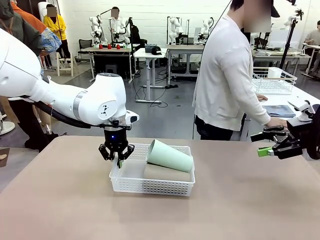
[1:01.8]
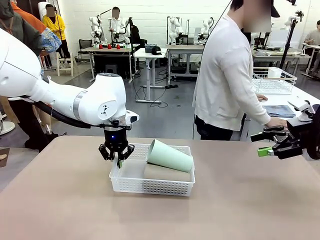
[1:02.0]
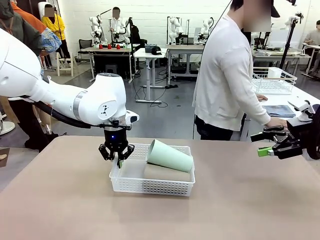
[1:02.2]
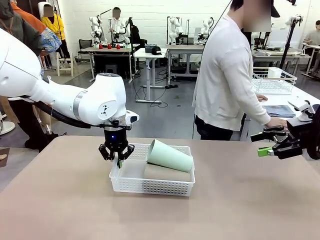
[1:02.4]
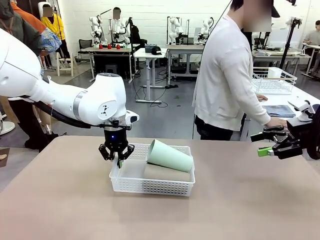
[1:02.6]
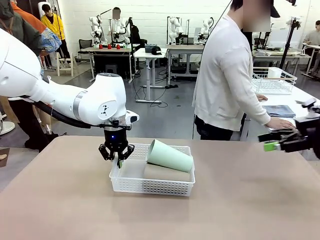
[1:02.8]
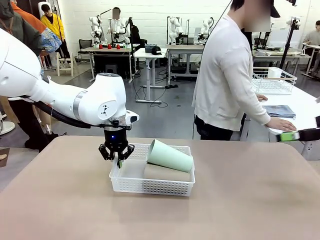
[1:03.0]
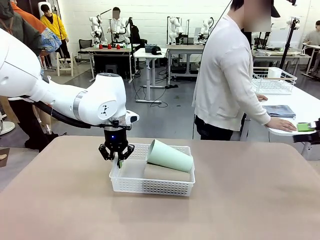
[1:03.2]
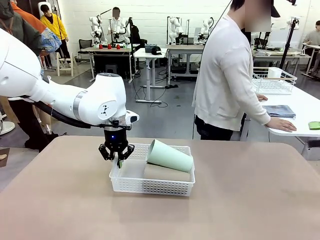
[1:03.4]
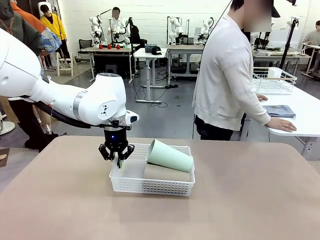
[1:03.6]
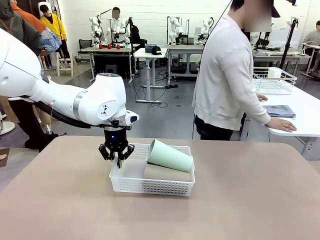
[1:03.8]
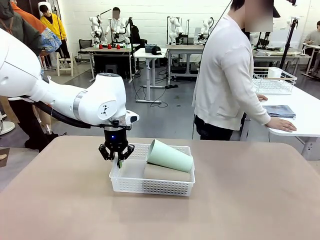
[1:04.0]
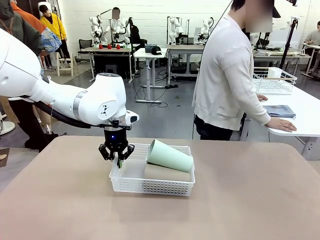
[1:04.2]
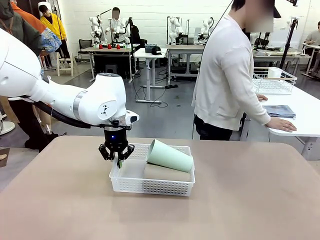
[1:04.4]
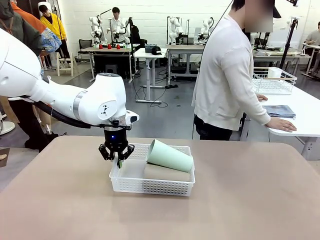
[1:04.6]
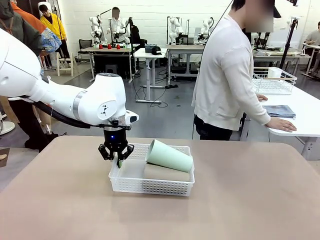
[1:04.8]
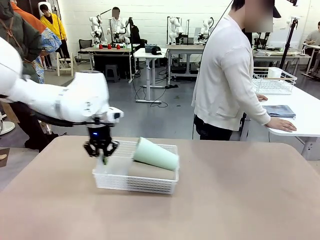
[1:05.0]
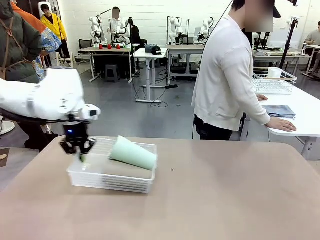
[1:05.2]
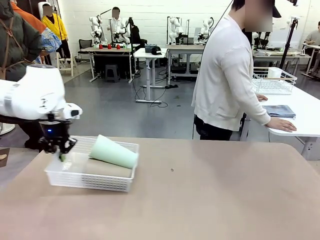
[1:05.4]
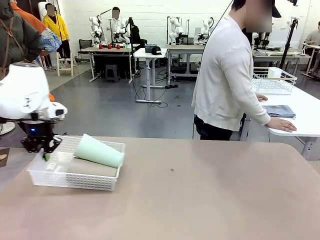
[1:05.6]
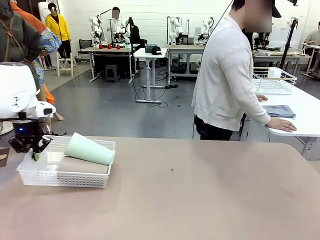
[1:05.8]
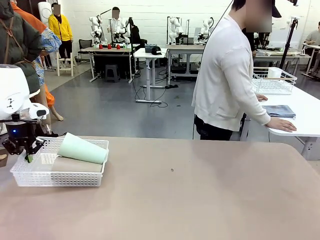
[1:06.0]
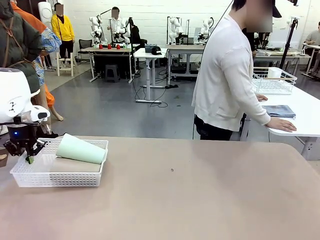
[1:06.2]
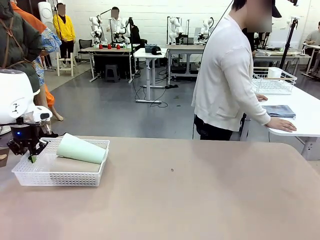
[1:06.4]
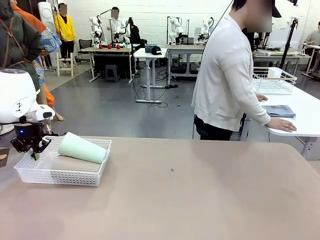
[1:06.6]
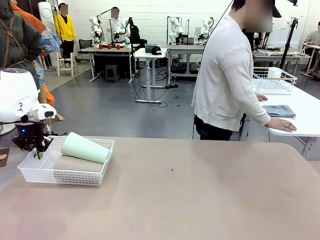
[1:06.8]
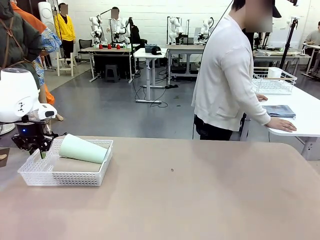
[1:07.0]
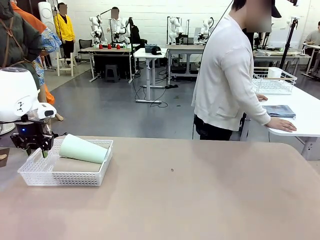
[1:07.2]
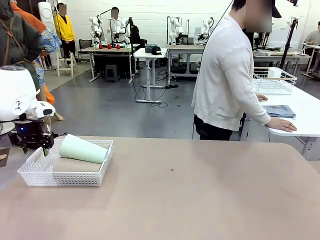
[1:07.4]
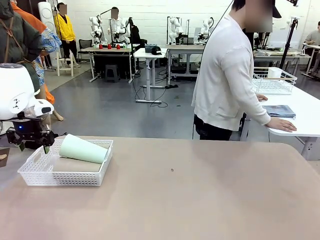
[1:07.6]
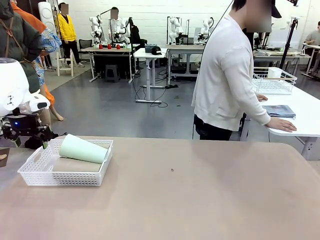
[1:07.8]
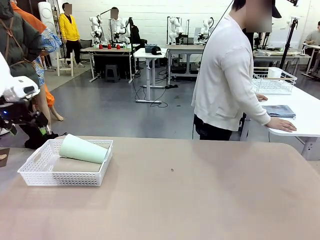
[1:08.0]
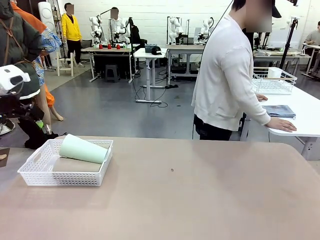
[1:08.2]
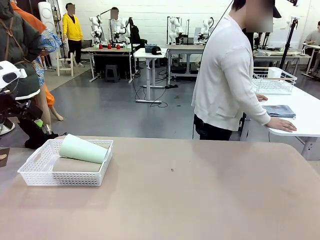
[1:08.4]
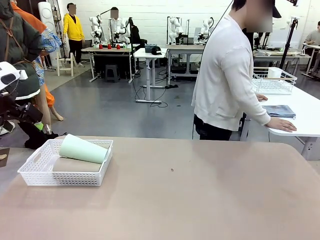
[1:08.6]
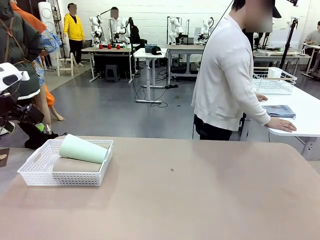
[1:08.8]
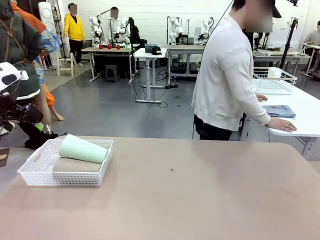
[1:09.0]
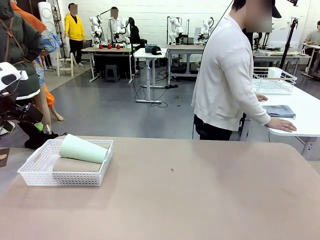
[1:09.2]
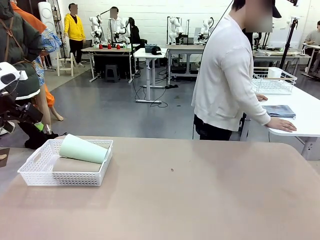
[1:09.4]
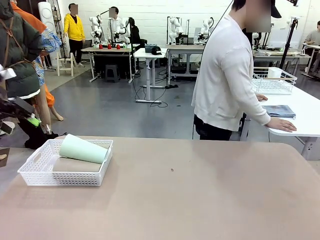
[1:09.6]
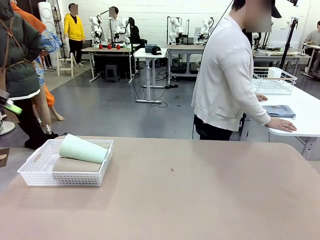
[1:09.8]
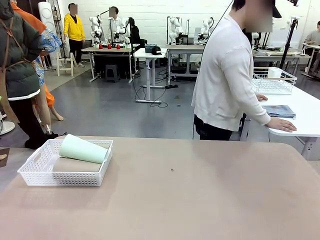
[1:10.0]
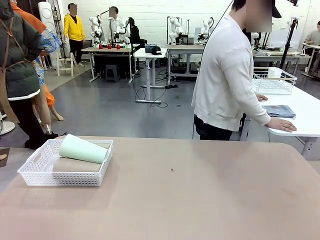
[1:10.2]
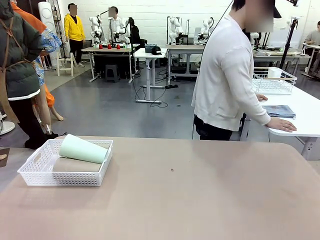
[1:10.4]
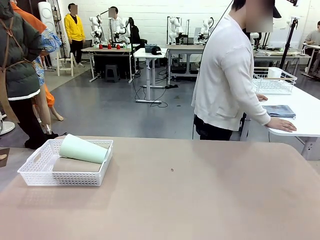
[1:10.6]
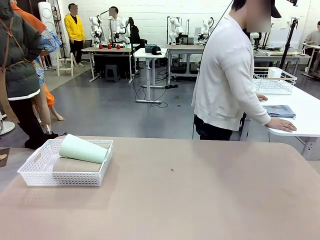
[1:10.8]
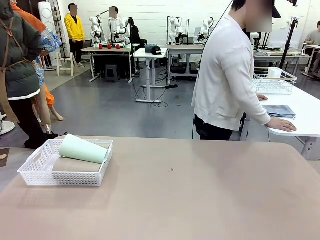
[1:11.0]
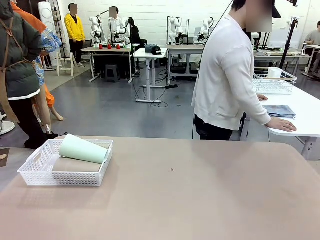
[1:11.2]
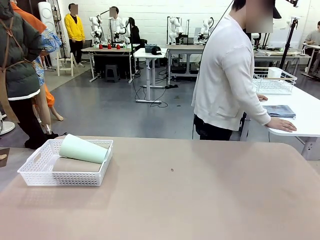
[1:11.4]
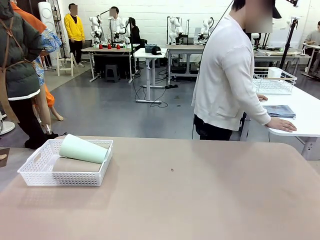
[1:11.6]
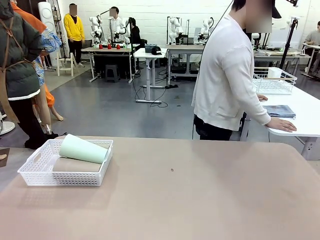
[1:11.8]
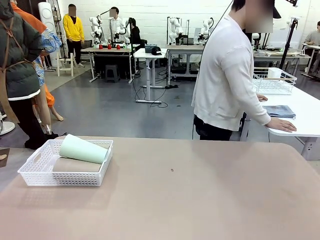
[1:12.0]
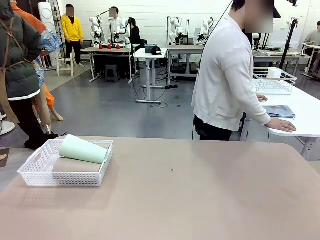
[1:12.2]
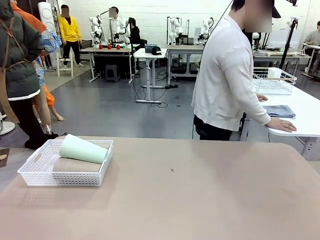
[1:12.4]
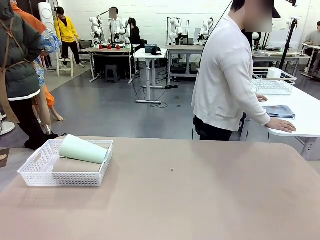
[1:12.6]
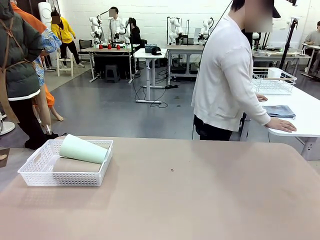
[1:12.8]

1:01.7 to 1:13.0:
Task: Clean and organize the cups into the basket.
Robot: Move the Organizing basket back to the left side of the table.
Person: Folds the towel in half twice and places it in the right of the table.

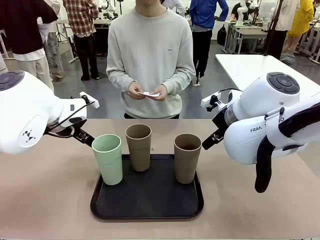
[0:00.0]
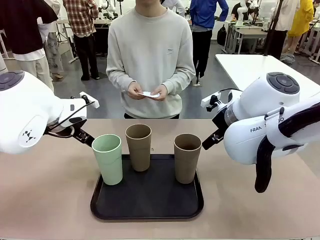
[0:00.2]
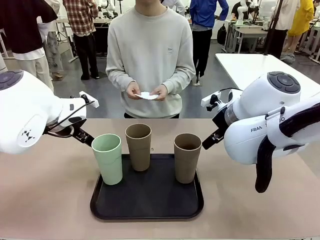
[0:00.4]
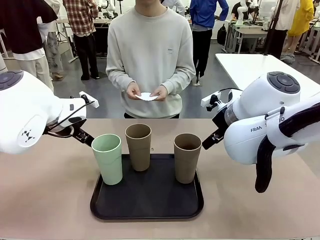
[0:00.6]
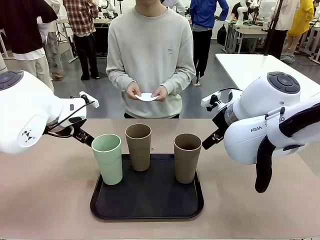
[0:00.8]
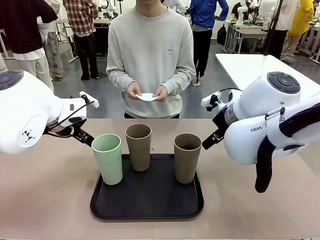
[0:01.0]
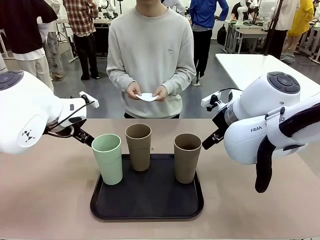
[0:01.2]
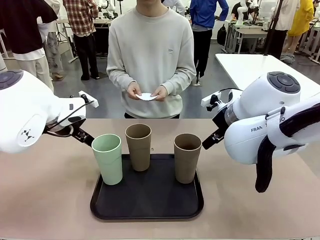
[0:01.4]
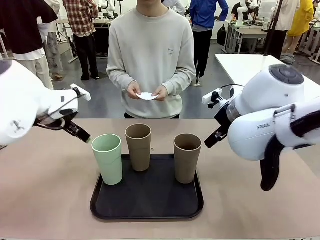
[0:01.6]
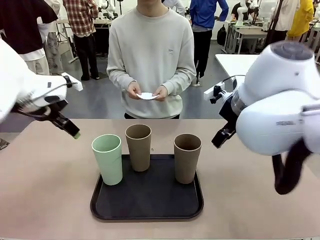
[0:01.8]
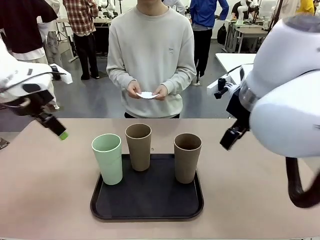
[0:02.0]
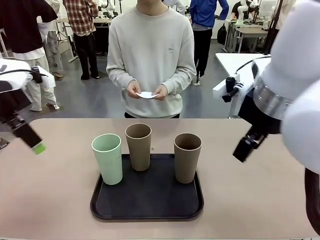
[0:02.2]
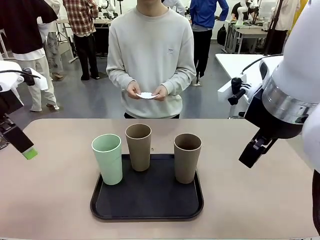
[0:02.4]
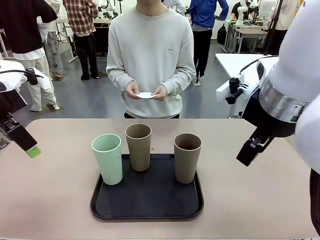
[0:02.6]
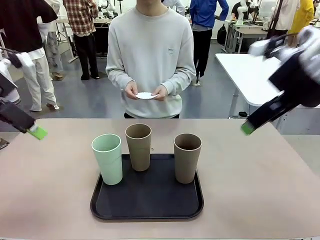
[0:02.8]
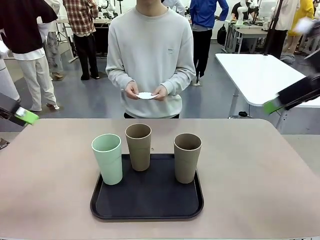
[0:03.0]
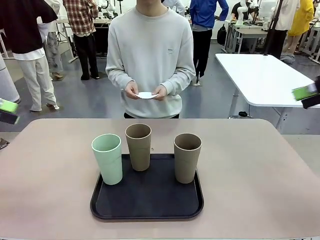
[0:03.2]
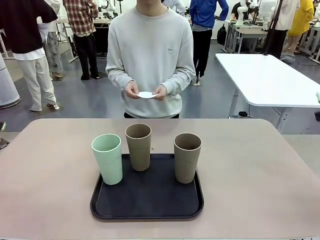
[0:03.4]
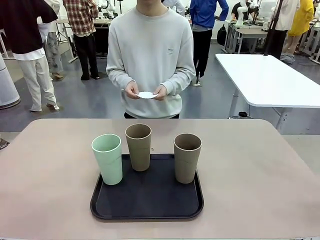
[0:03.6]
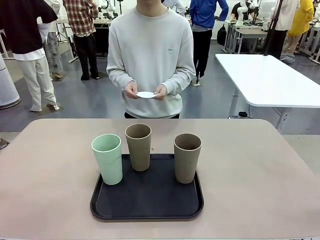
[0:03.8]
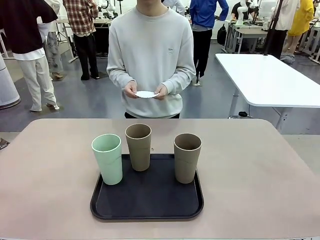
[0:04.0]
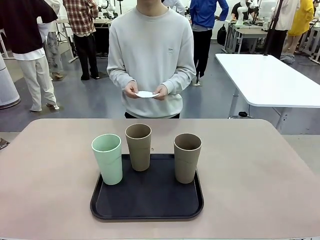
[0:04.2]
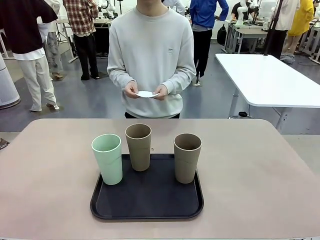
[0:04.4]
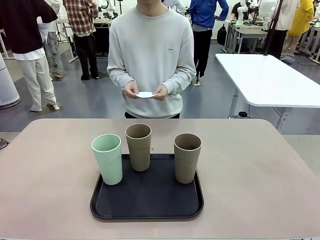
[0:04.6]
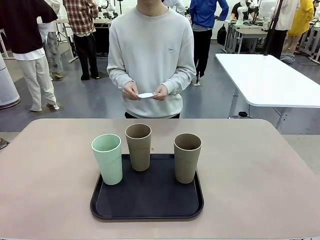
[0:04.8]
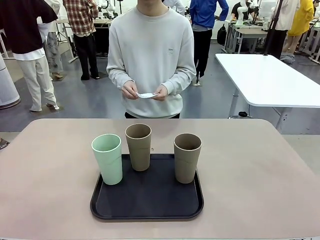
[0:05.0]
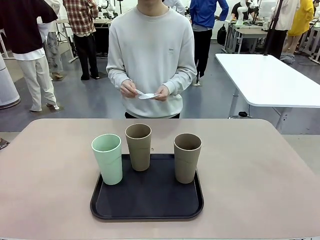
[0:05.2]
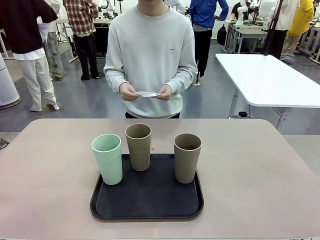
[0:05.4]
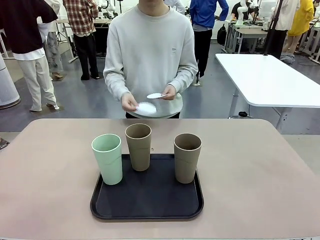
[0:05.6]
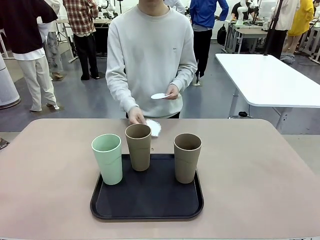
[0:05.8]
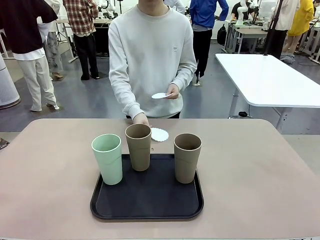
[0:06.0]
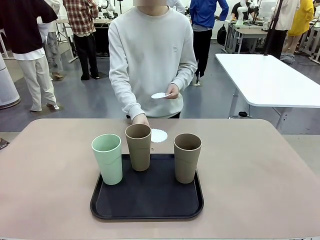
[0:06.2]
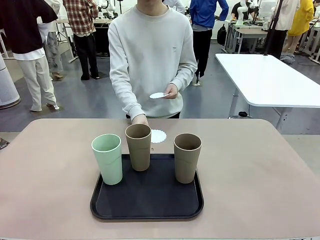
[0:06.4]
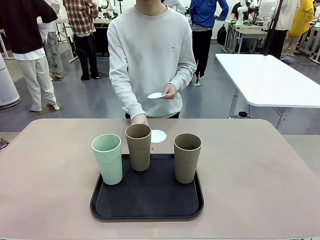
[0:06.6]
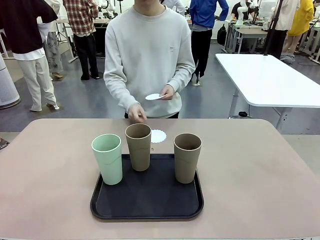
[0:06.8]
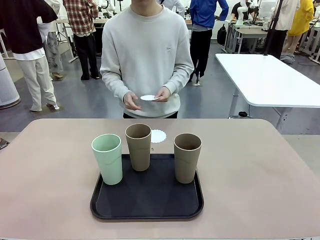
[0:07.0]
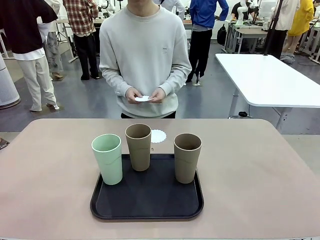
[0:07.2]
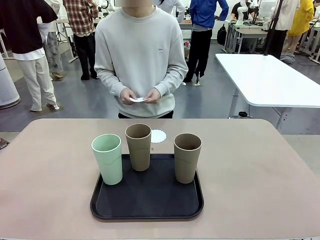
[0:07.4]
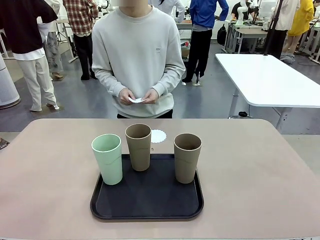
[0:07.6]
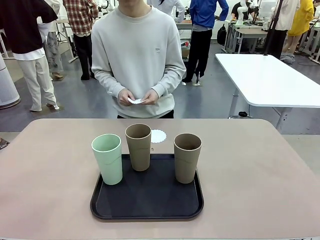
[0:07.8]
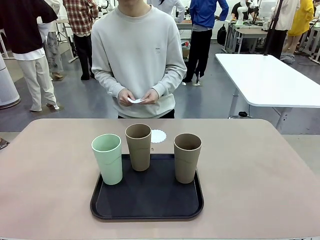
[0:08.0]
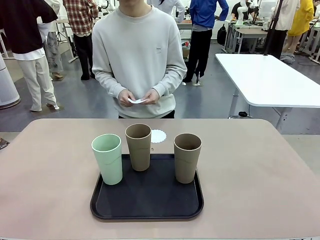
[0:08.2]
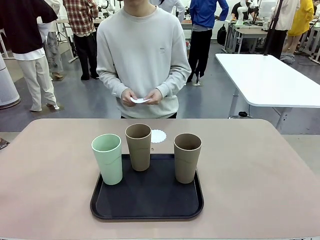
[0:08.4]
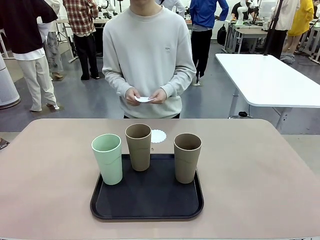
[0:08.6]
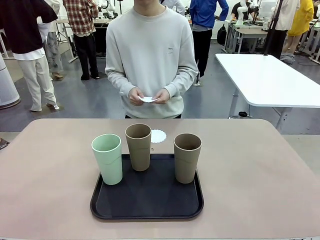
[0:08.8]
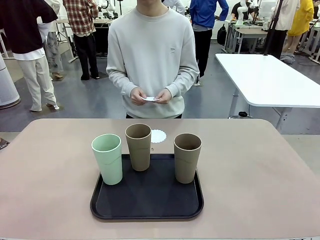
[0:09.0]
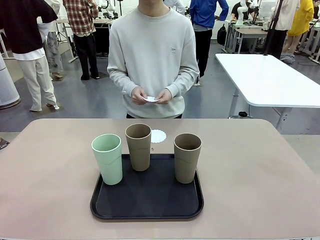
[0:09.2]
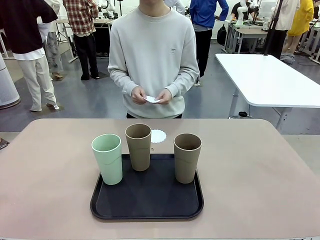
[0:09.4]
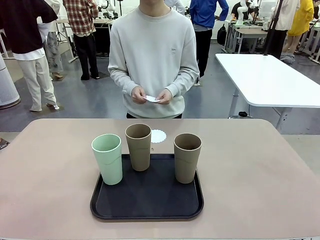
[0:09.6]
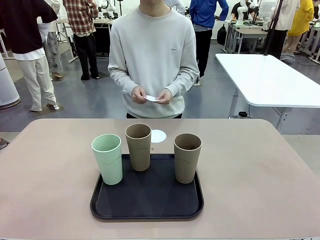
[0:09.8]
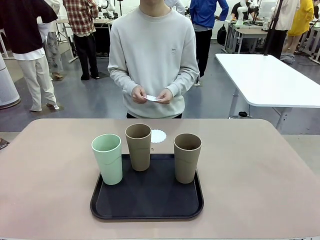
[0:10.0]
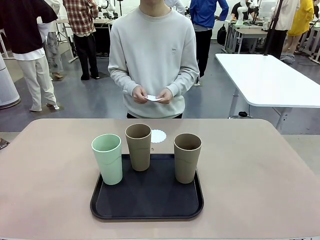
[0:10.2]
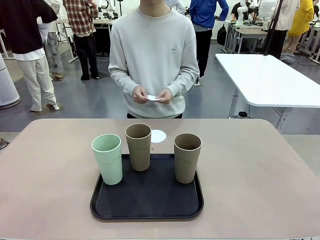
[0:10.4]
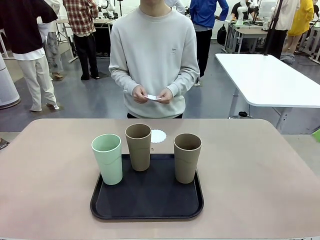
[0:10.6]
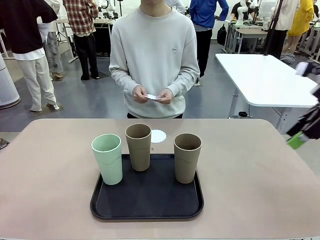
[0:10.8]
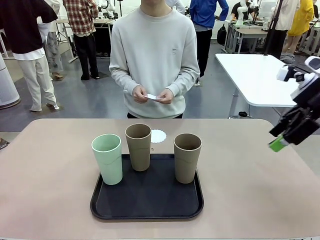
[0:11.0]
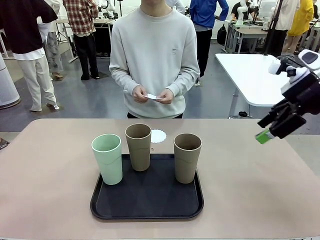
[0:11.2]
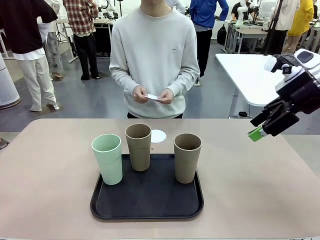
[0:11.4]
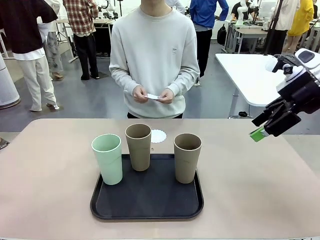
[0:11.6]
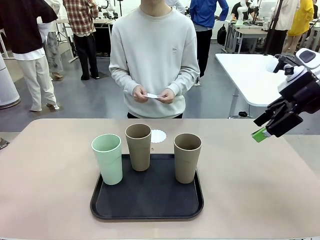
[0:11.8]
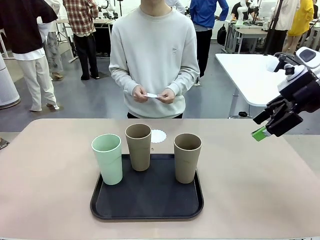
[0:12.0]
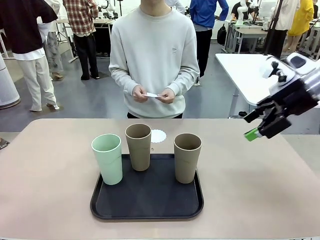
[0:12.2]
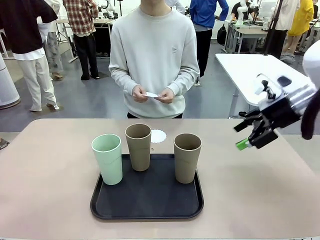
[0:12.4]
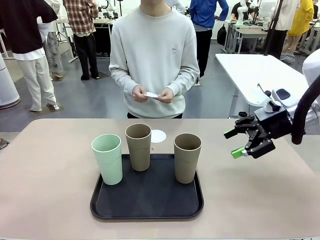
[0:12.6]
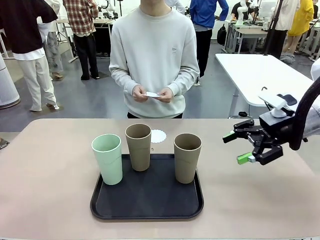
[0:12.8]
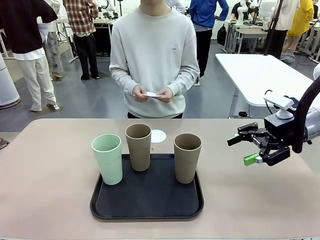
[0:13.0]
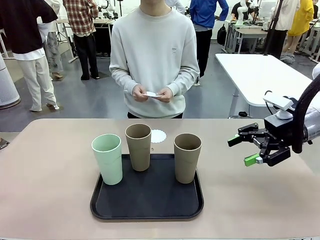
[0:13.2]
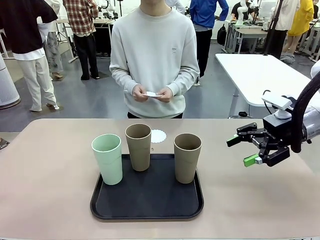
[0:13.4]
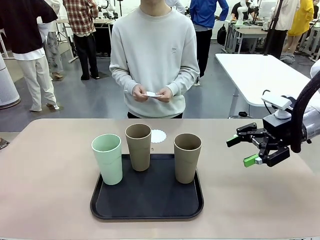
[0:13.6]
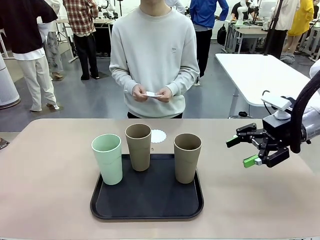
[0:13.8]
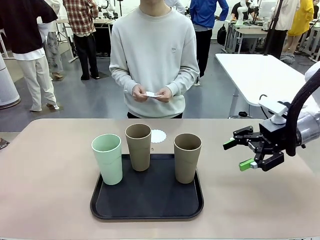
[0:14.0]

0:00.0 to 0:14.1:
Task: Place coasters on the table and set cups on them.
Robot: Pick up one Reusable plastic cup and place it on a coaster set by the human.
Person: Place one coaster in any one of the three lower areas of the robot table (left, center, or right).
